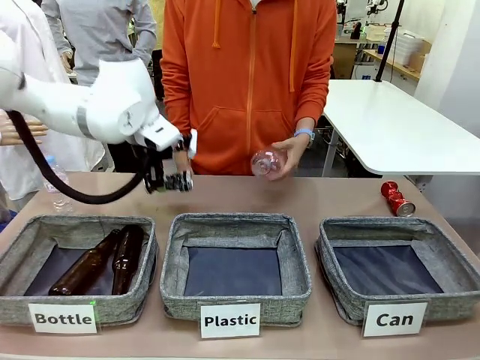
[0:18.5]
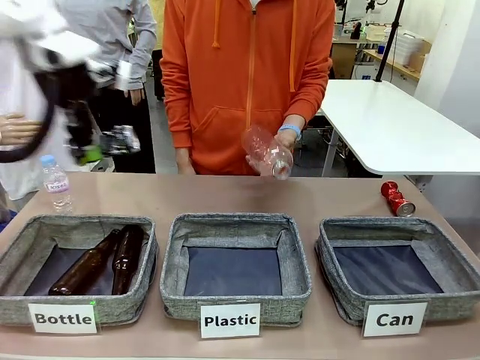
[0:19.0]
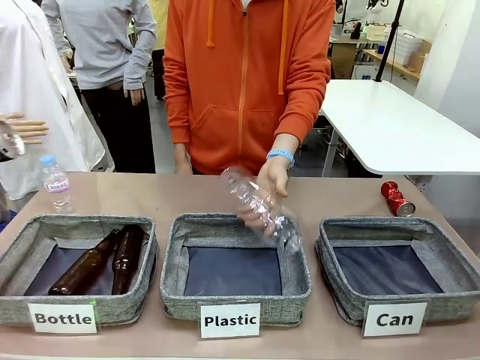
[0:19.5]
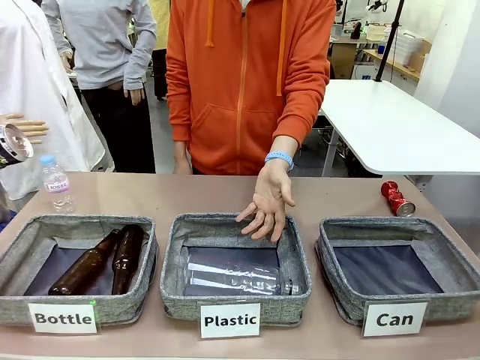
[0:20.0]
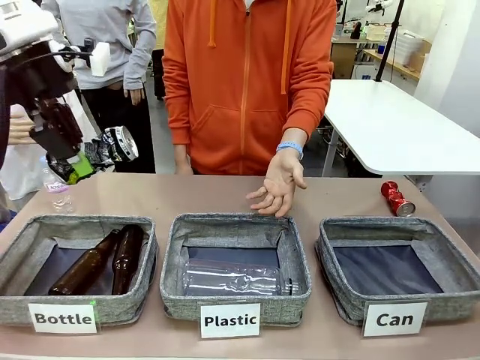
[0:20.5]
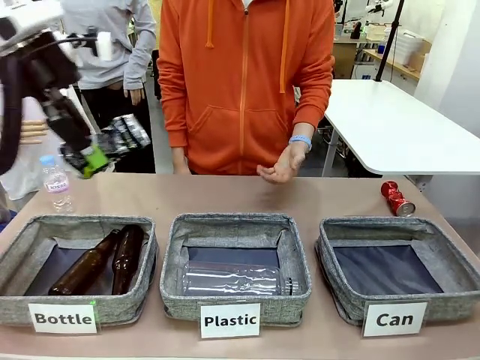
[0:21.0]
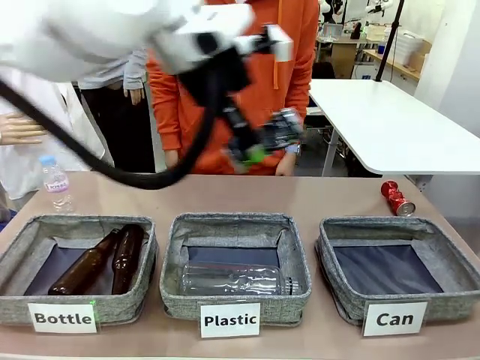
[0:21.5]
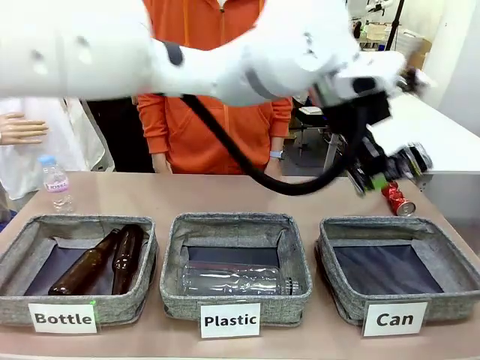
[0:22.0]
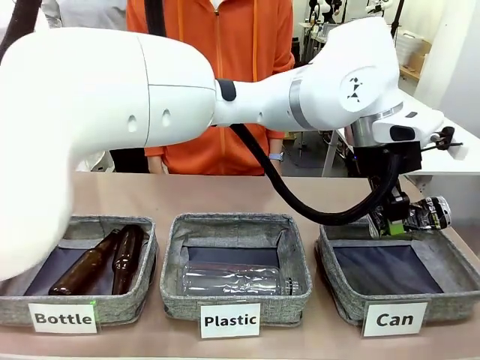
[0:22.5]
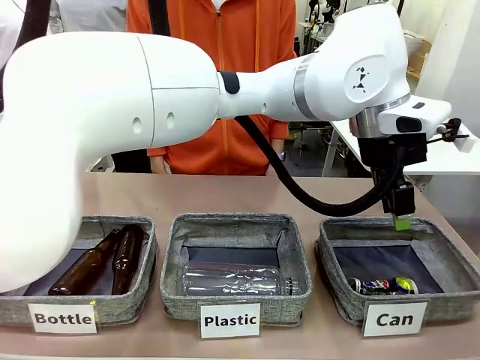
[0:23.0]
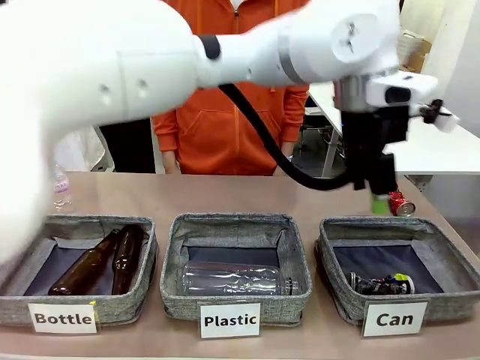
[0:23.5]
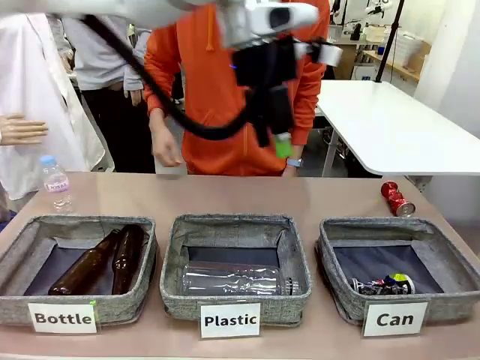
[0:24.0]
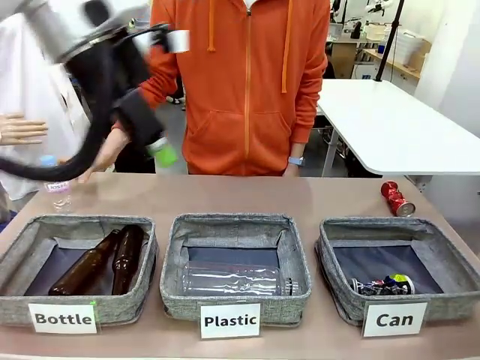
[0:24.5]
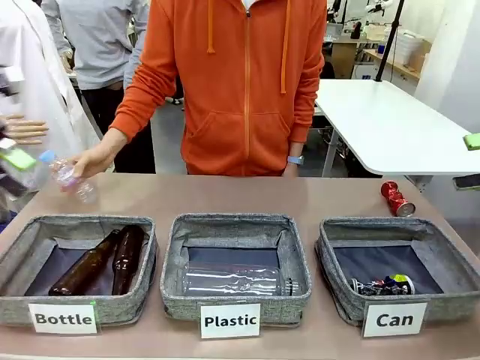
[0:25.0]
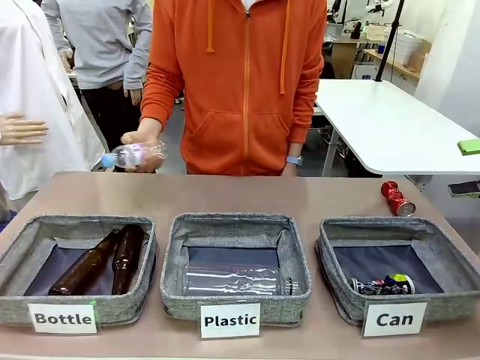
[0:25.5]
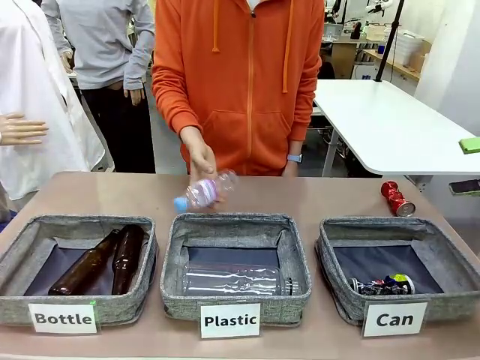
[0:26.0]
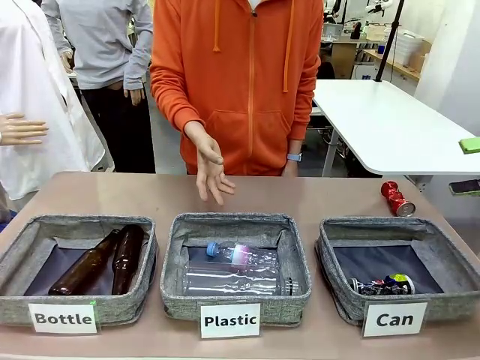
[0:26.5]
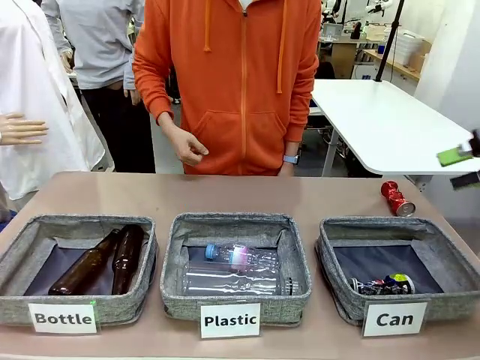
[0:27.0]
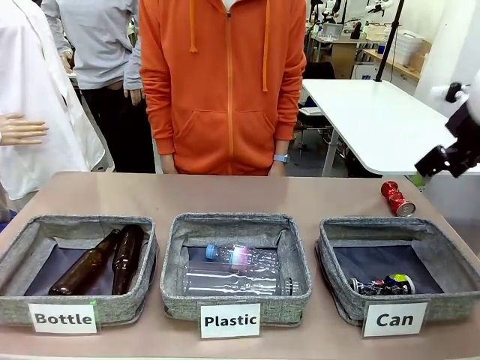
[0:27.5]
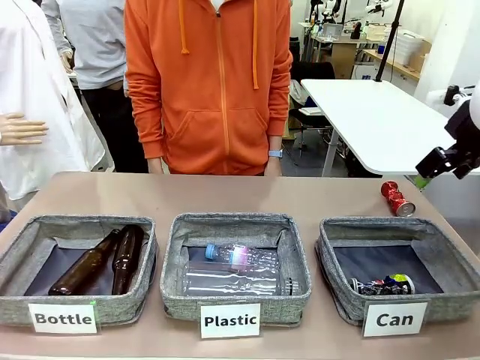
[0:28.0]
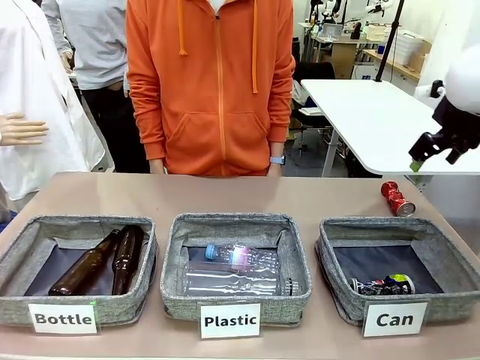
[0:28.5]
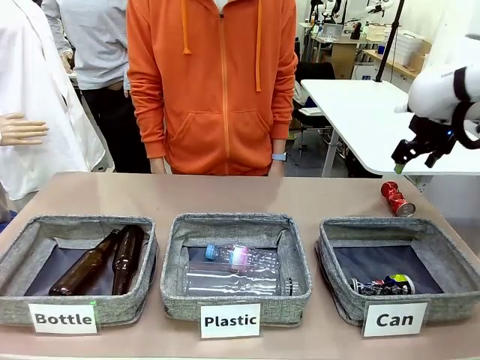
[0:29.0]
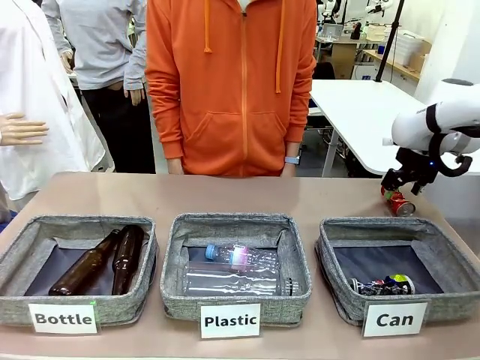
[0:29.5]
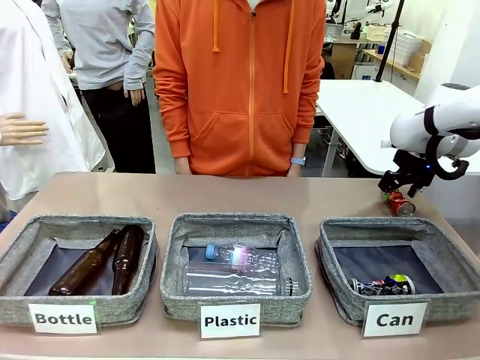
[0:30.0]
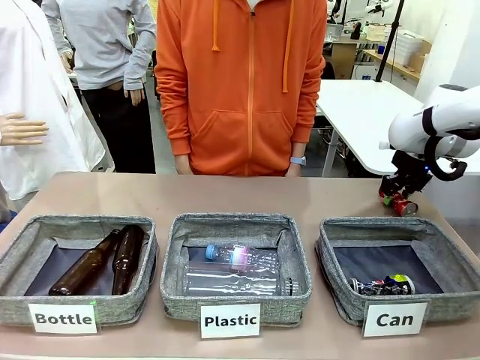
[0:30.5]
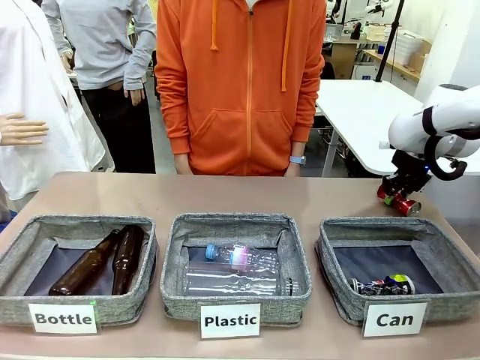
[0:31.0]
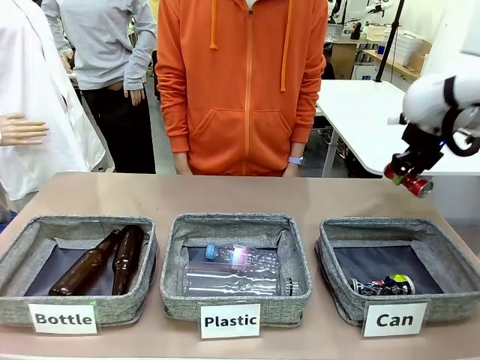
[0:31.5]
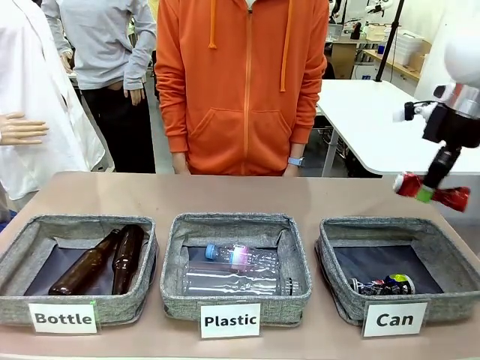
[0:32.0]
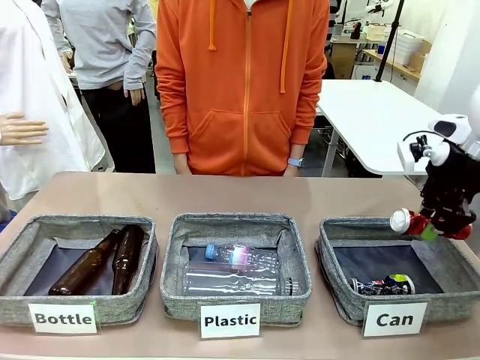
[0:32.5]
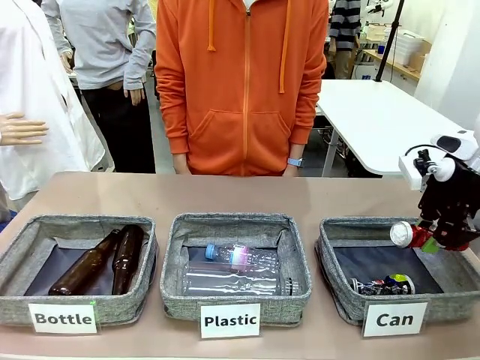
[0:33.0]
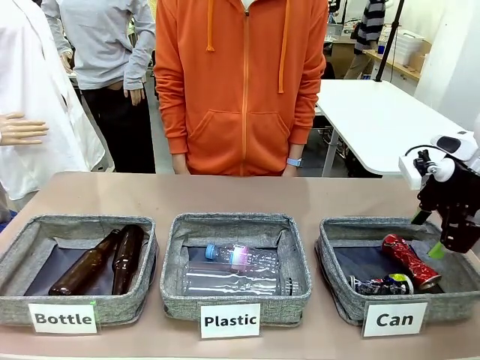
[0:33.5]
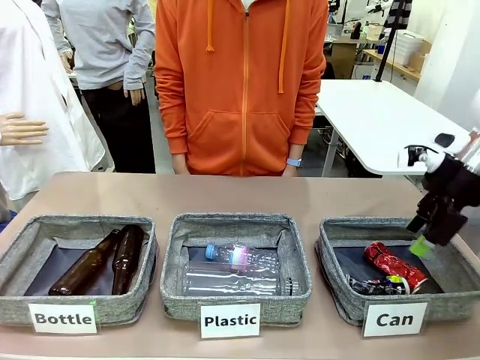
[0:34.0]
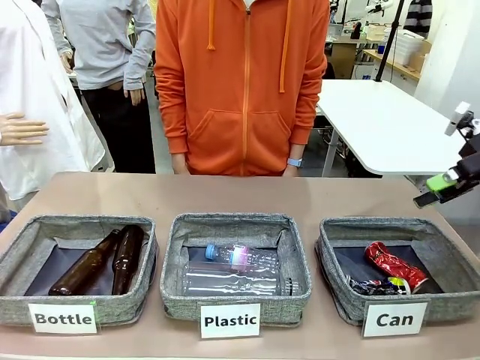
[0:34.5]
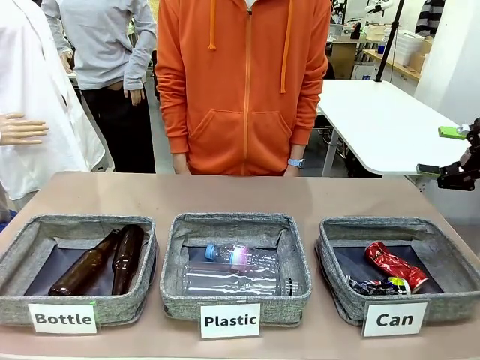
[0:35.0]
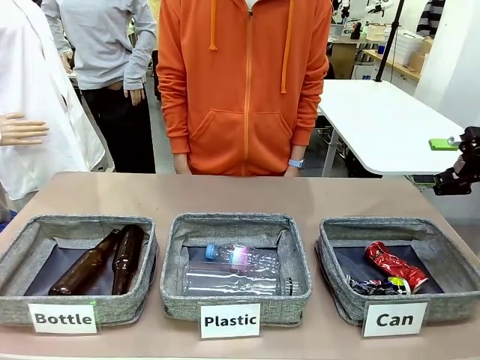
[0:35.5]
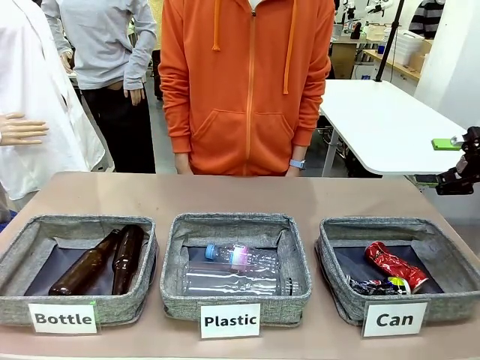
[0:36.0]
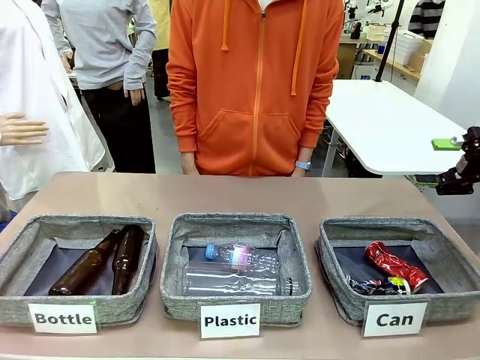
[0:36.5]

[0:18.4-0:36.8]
Task: Sort the can waste into the basket.
Robot: Pick up the can waste from the table and place it in the right Fabric basket.
